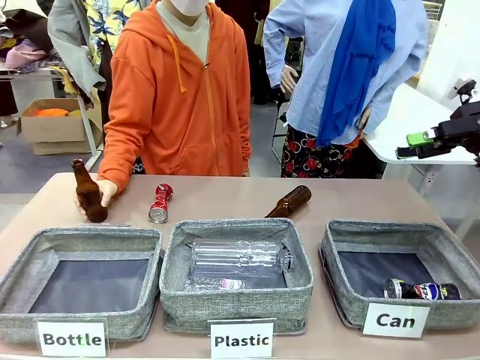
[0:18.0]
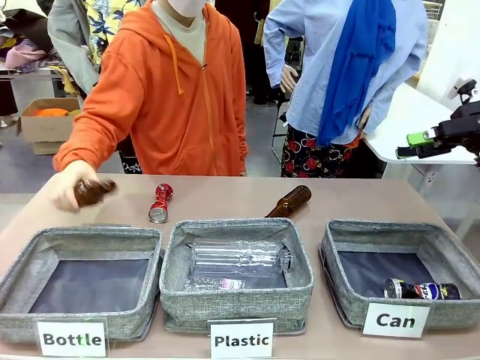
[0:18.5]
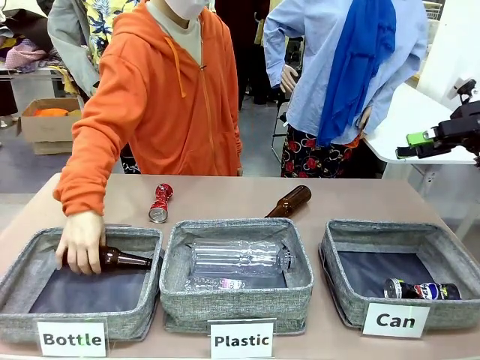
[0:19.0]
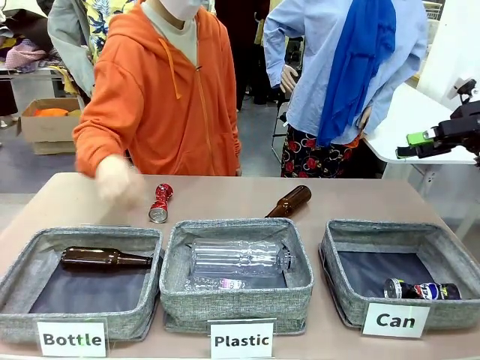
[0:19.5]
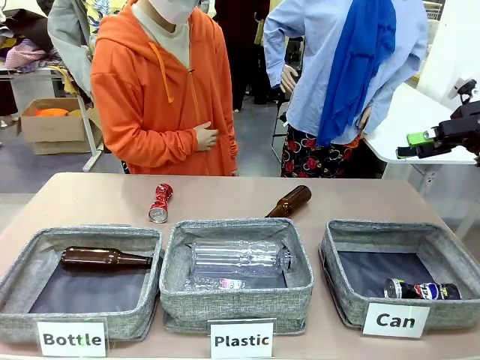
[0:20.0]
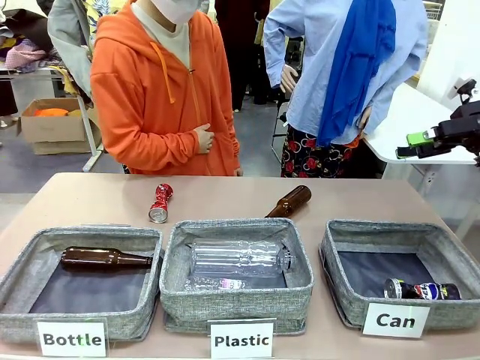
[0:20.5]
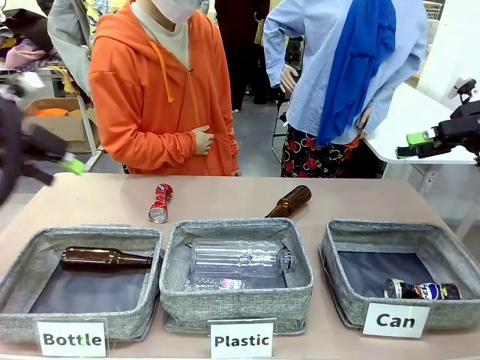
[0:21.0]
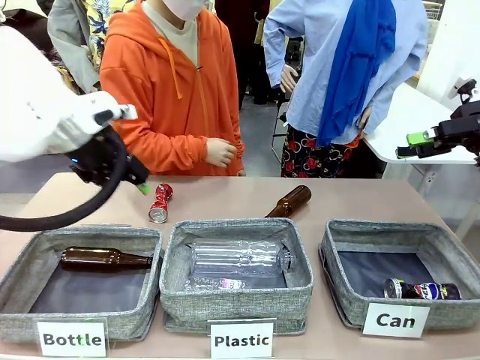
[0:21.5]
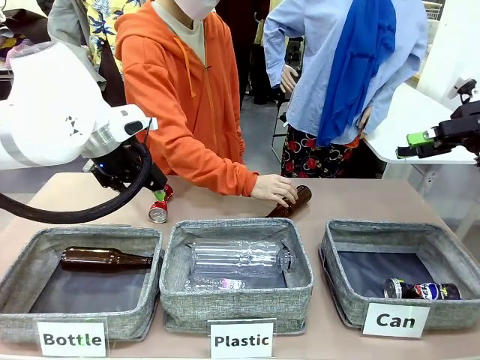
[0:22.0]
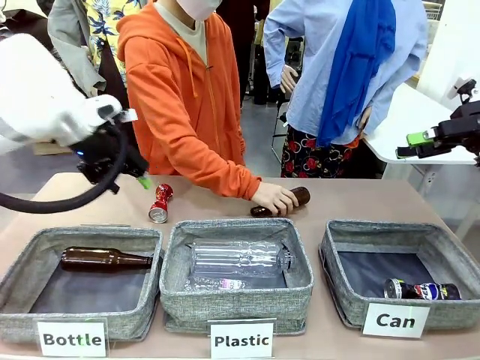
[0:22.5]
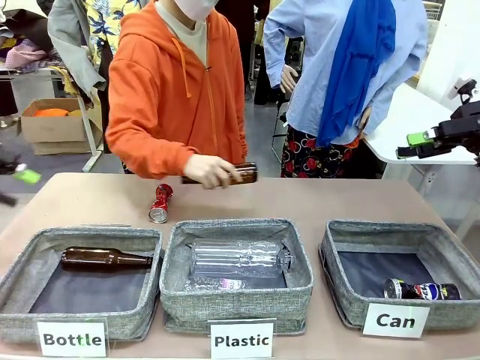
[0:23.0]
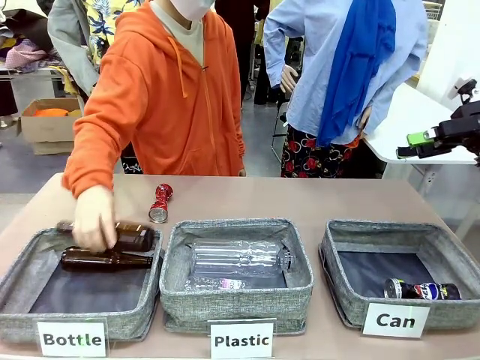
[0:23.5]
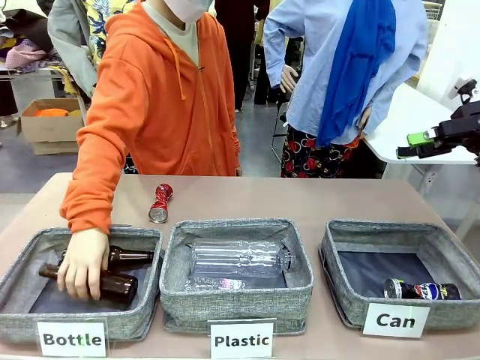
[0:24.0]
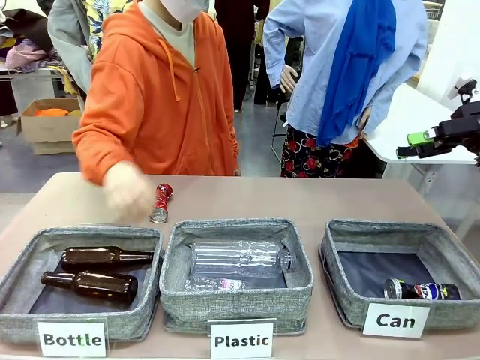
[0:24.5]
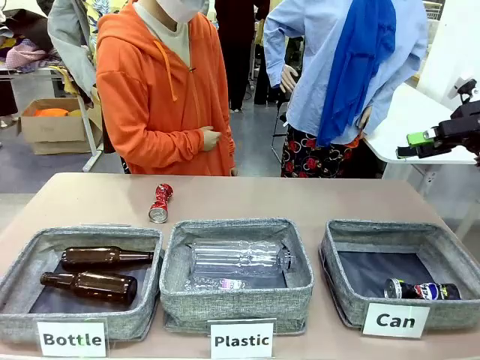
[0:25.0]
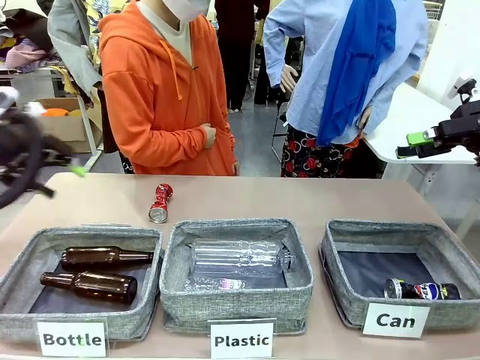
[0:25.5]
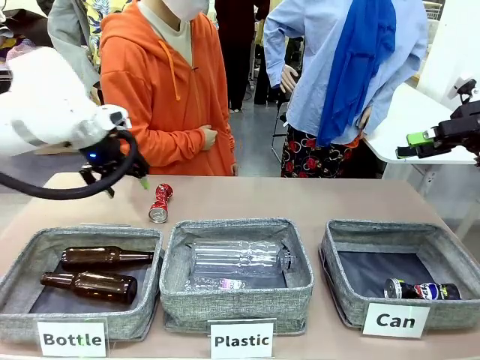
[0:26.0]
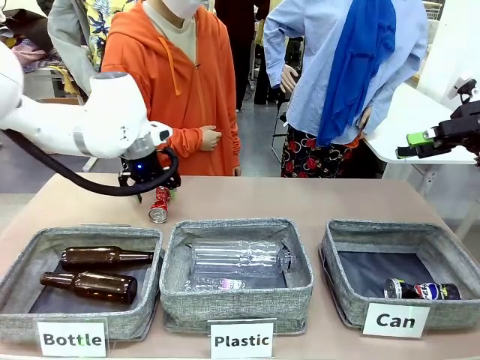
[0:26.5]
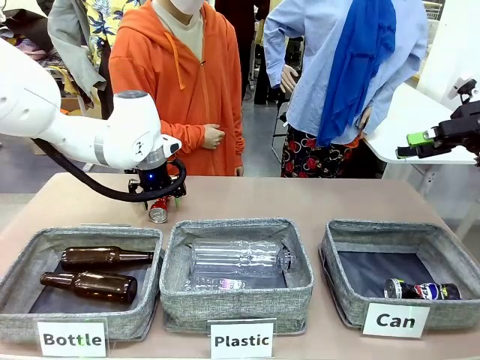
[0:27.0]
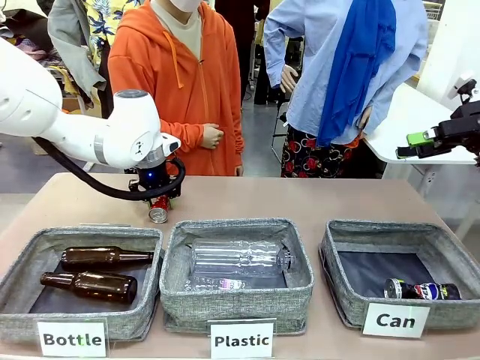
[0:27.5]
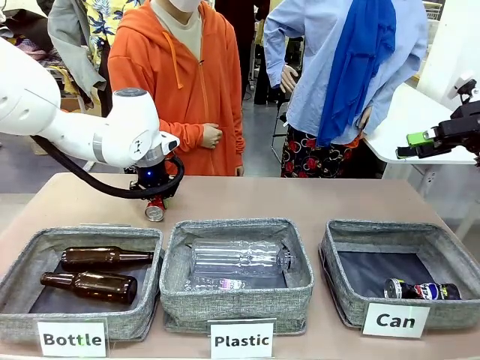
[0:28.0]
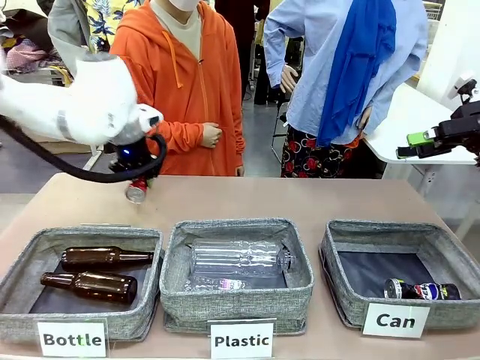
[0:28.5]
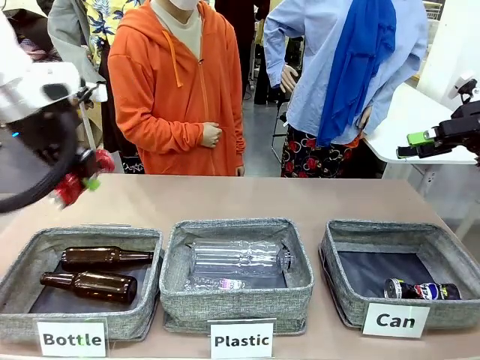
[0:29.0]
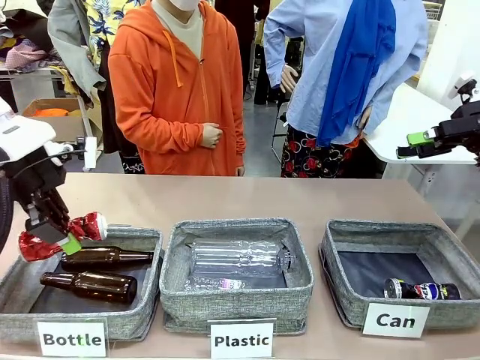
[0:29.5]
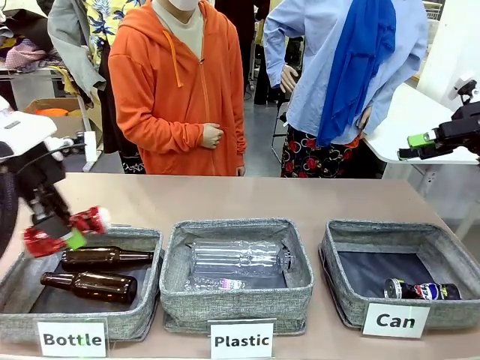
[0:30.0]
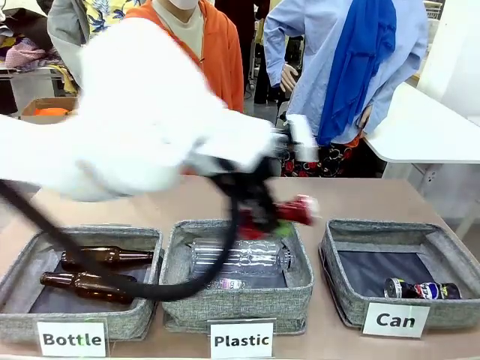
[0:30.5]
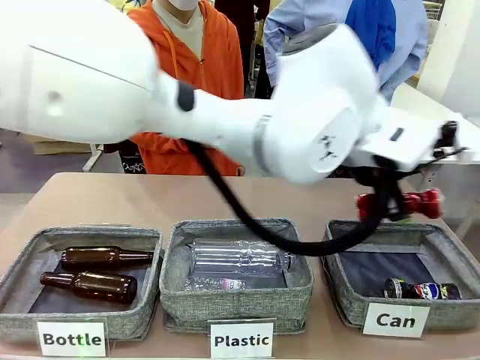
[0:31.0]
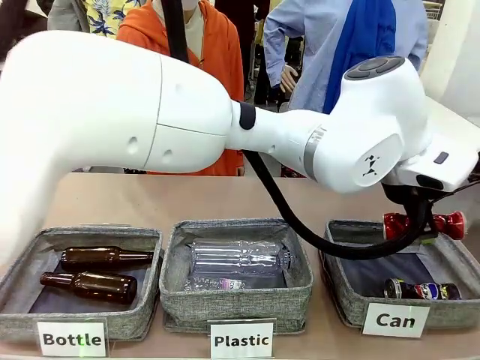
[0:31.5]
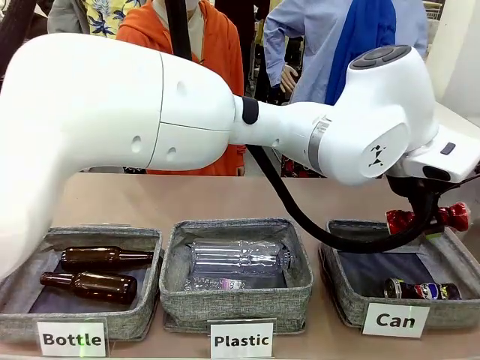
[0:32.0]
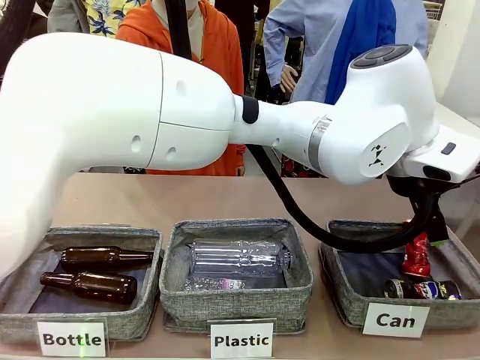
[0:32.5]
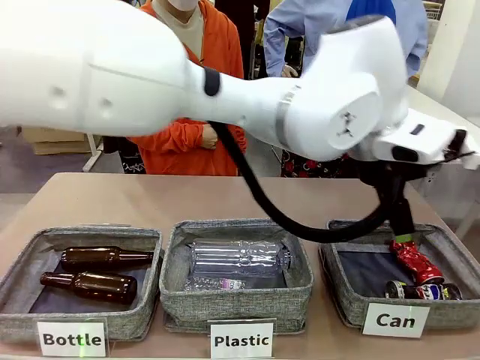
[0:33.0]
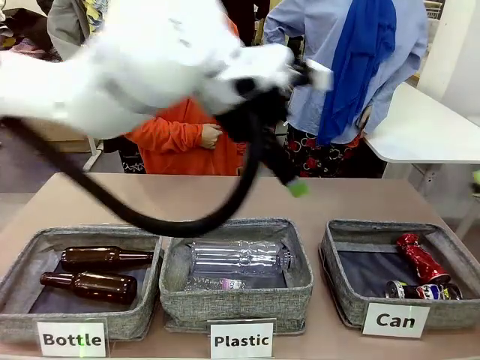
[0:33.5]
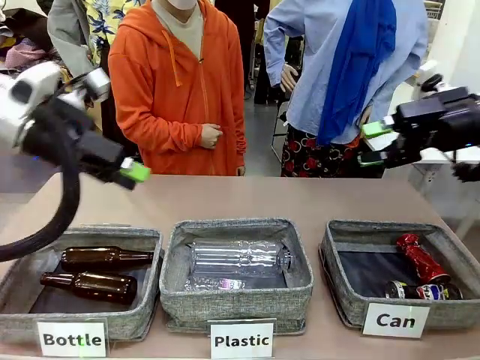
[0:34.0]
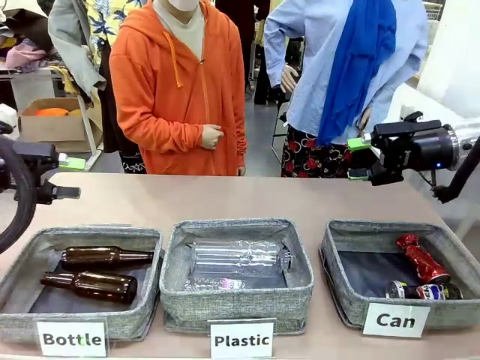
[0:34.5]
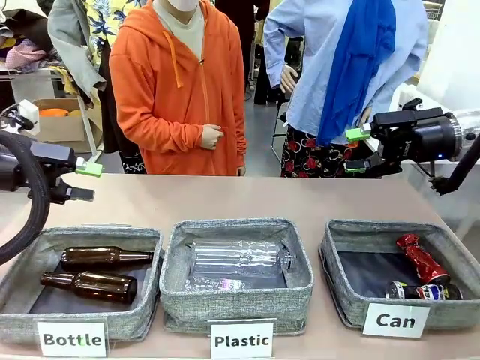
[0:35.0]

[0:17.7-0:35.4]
Task: Sort the can waste into the basket.
Robot: Pick up the can waste from the table and place it in the right Fabric basket.
